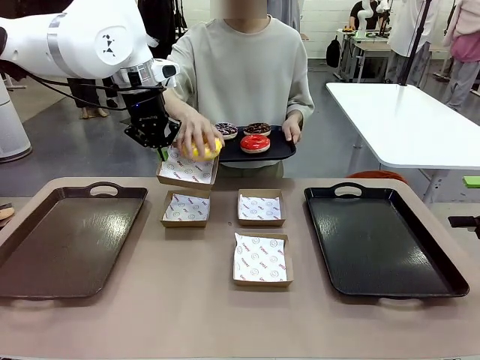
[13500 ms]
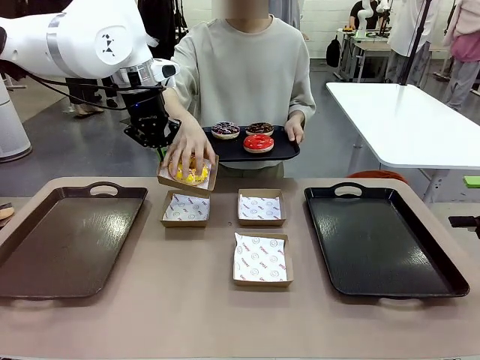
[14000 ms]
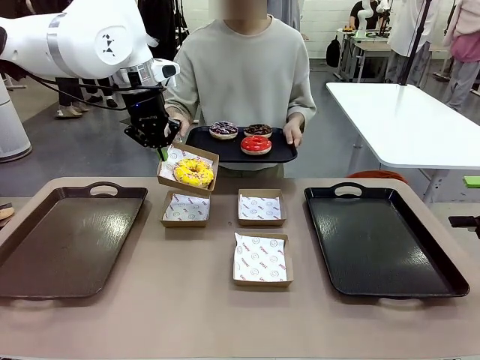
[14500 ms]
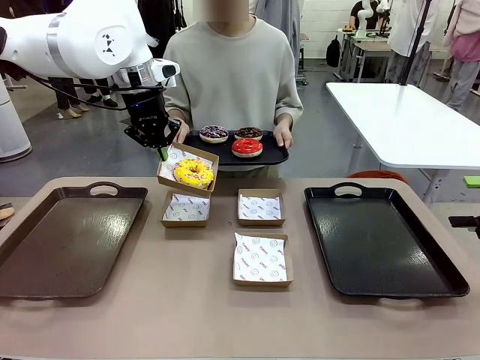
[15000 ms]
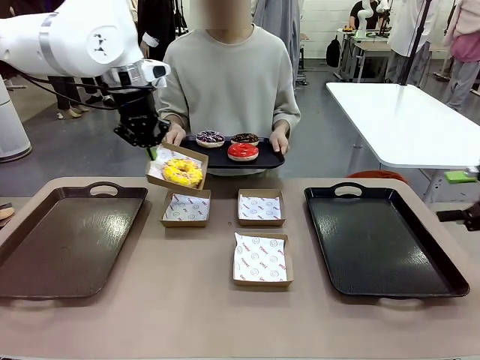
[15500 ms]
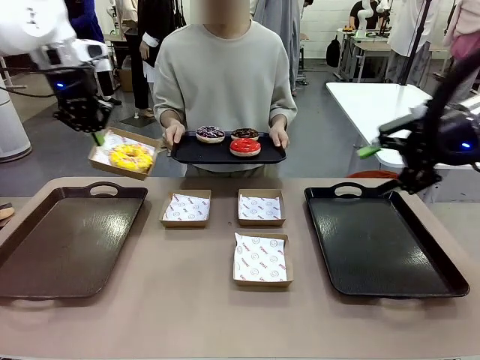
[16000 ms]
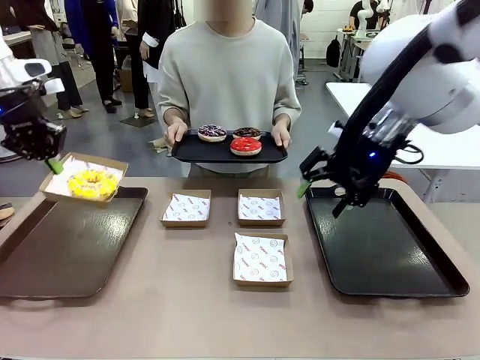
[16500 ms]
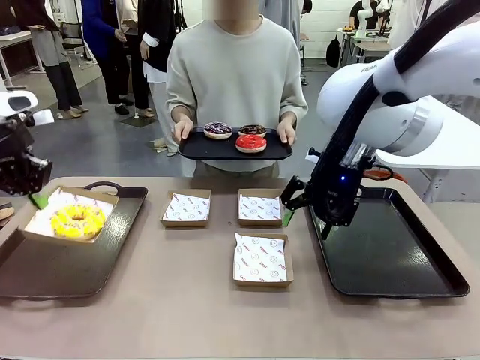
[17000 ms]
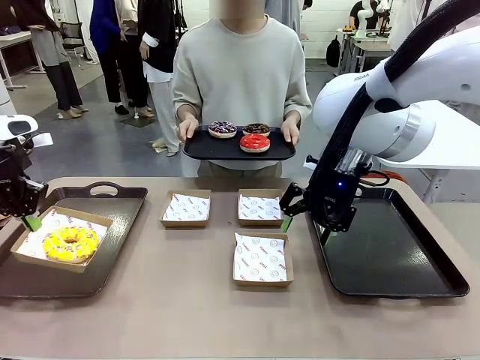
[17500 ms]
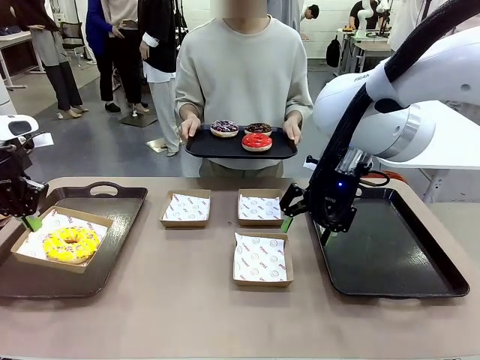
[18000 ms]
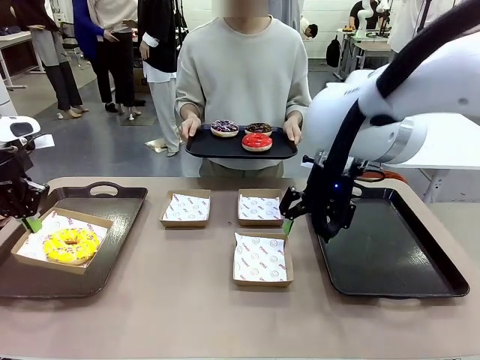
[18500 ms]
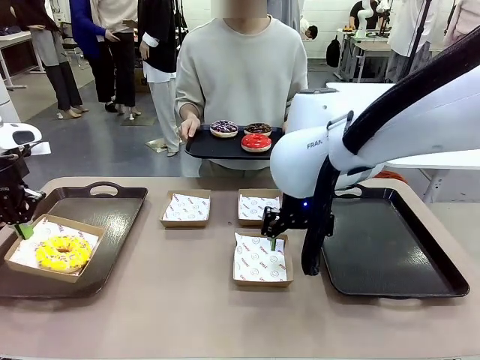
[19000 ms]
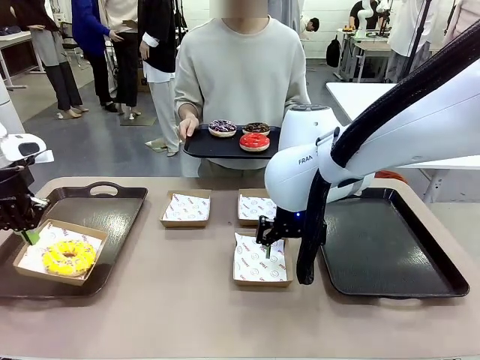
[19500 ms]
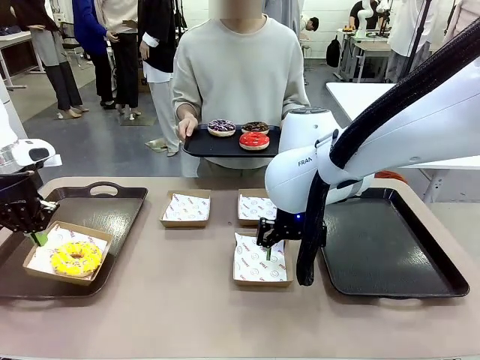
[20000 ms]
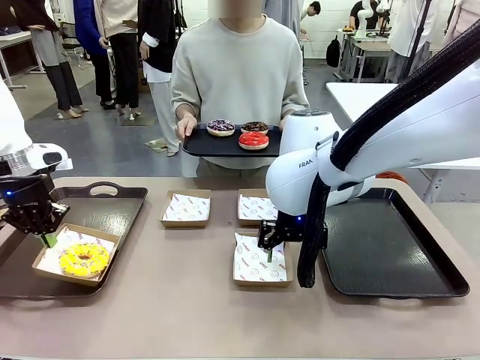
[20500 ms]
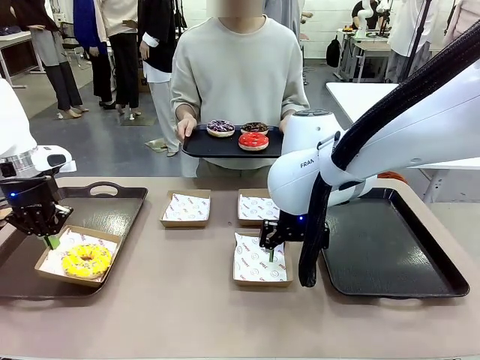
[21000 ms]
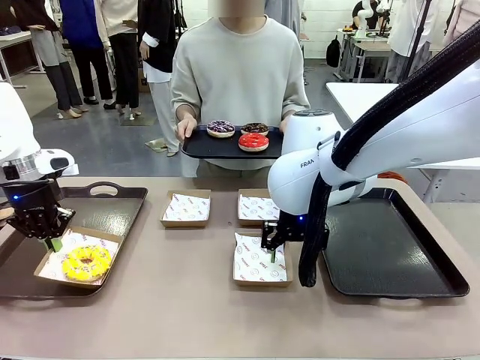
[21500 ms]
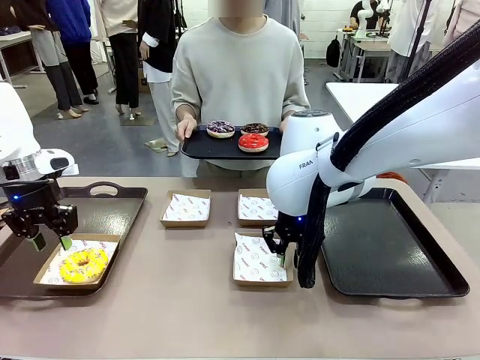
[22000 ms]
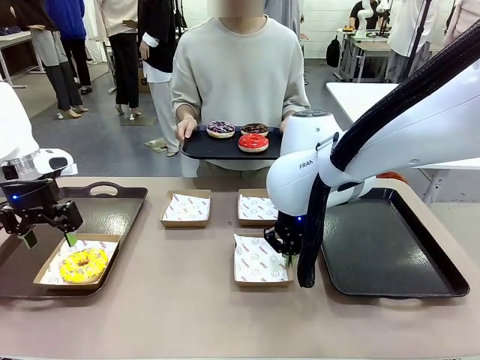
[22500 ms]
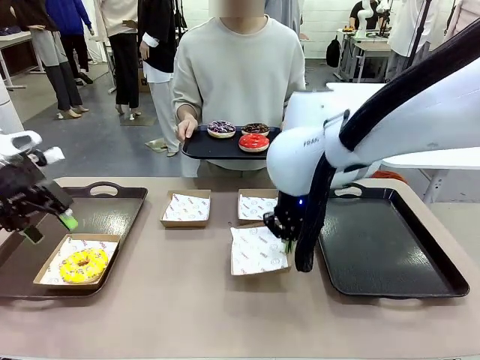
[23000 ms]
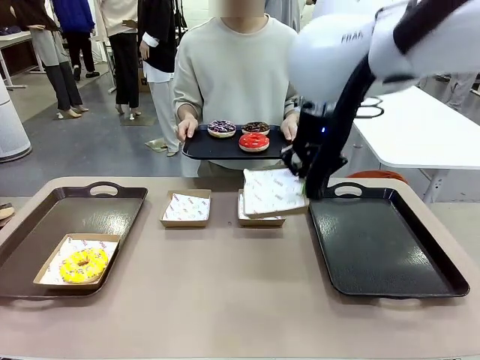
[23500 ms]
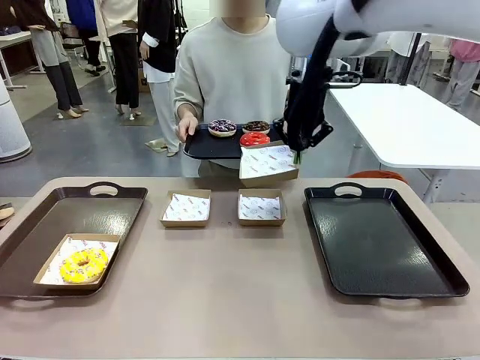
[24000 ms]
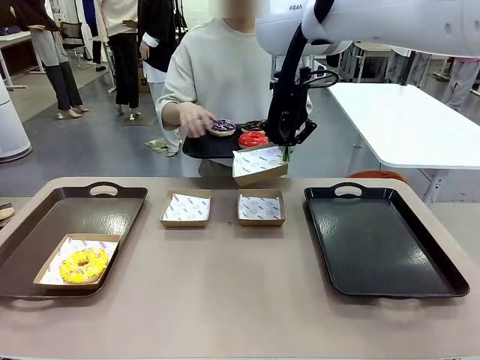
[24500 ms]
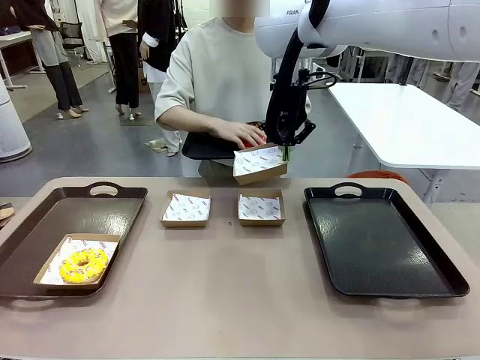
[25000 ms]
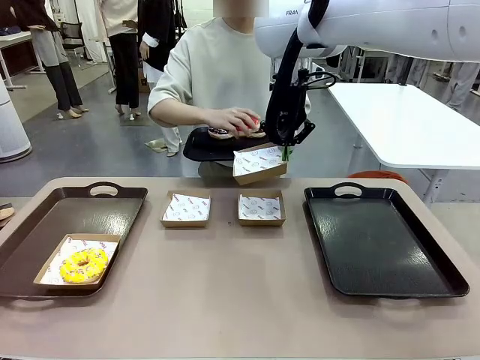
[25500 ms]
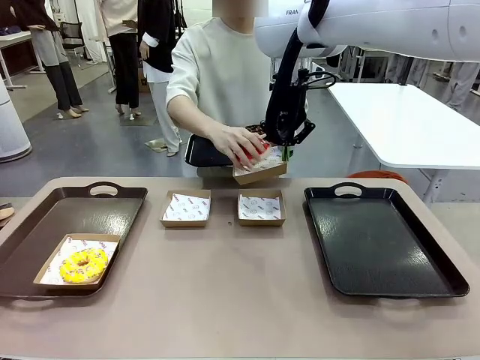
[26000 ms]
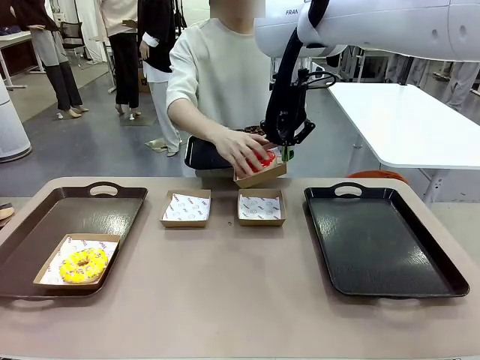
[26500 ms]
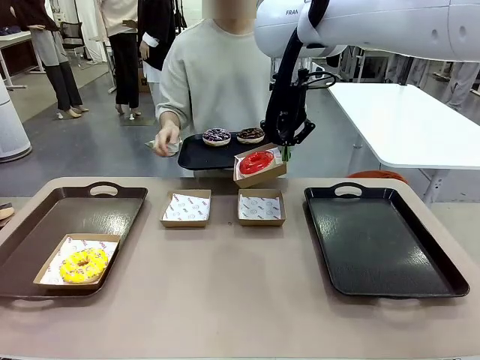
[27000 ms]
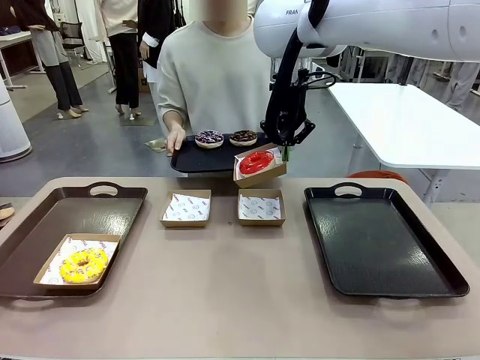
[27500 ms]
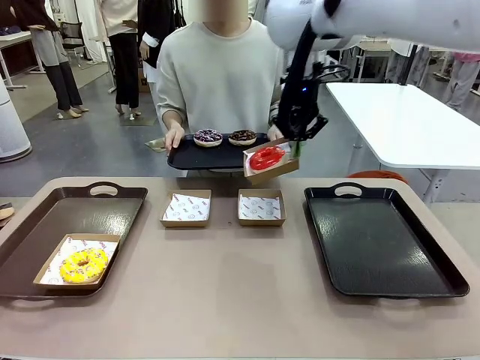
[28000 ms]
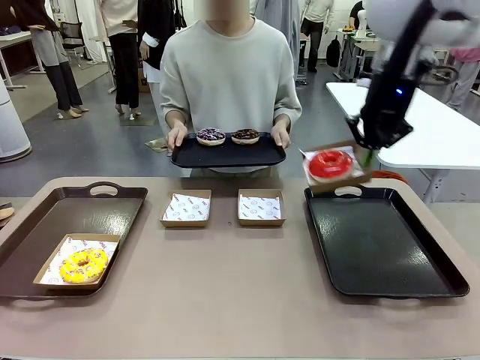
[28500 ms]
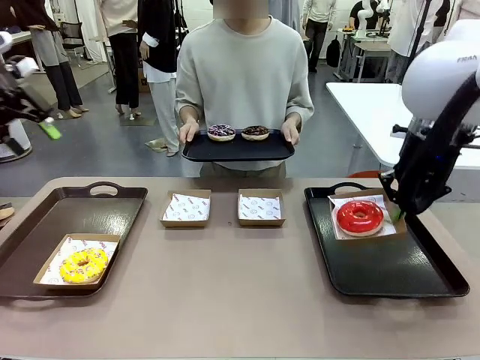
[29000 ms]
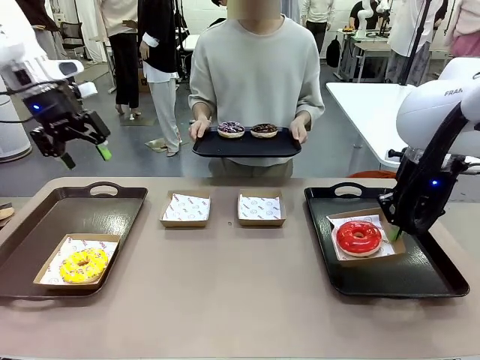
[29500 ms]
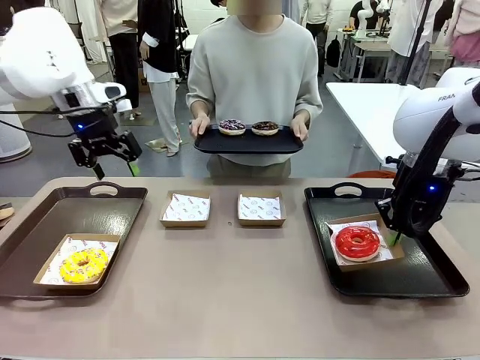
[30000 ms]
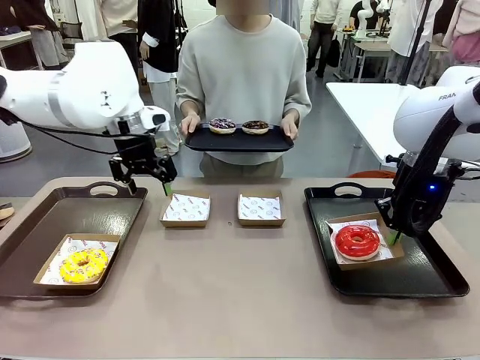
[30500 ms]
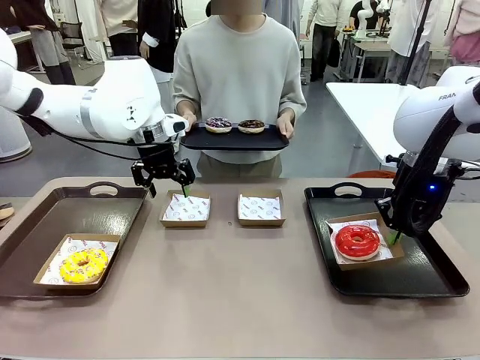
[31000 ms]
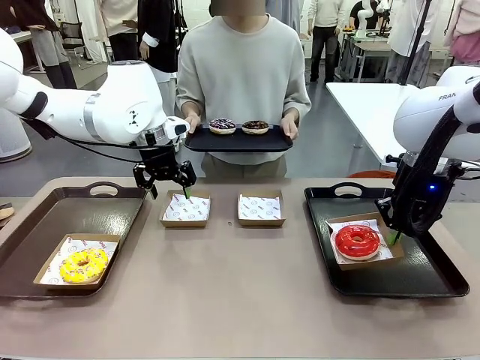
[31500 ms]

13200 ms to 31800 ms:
Task: Individually package the donuts and arrange them on the tray.
Robot: Place the picked Paper togo box on the Handle tray while simultaneously picking up another Paper togo box from the table with the other hand.

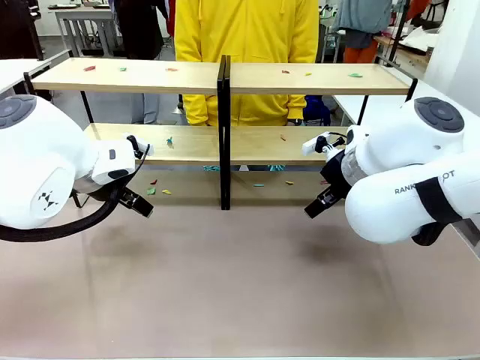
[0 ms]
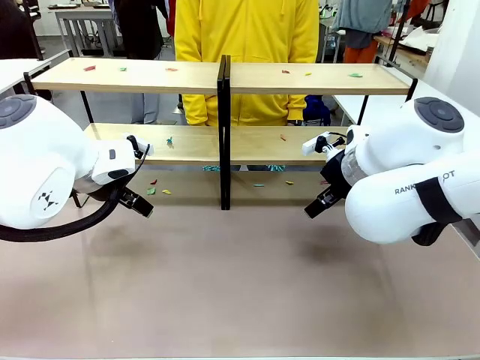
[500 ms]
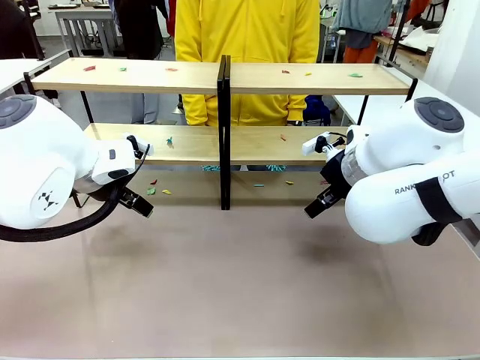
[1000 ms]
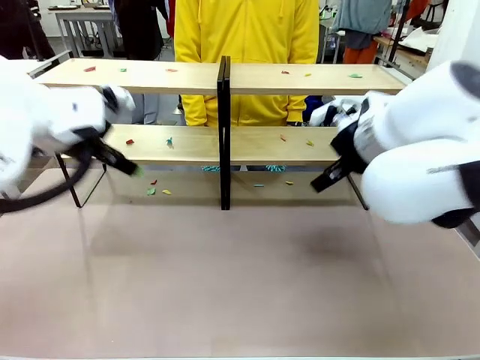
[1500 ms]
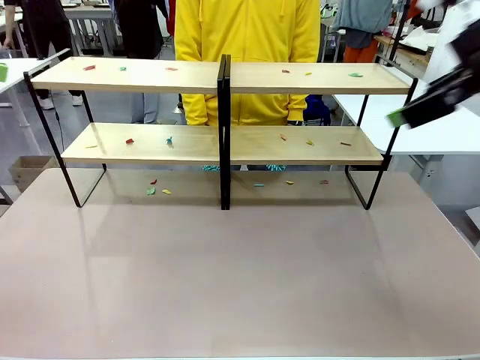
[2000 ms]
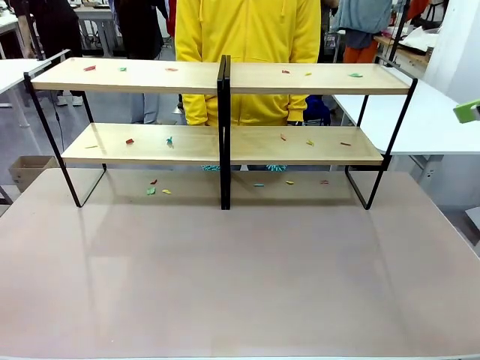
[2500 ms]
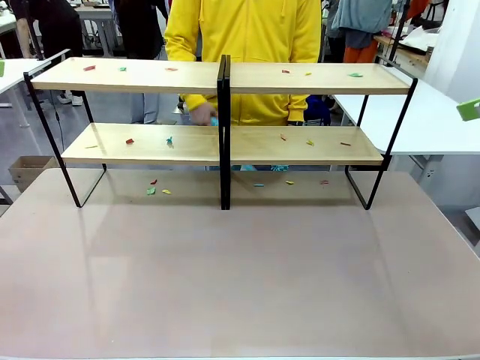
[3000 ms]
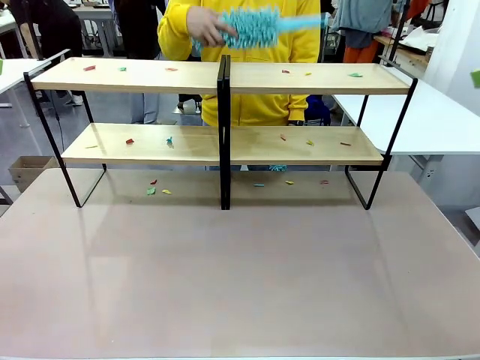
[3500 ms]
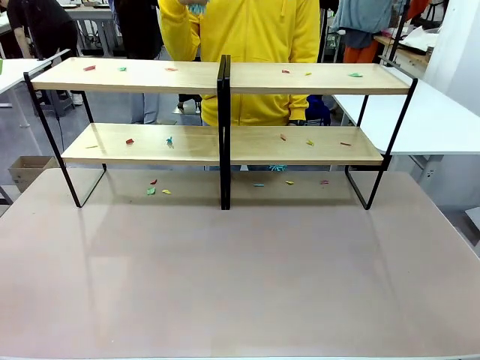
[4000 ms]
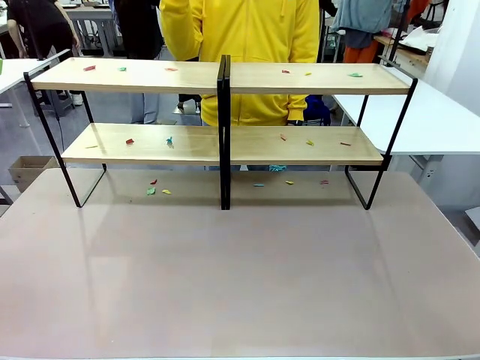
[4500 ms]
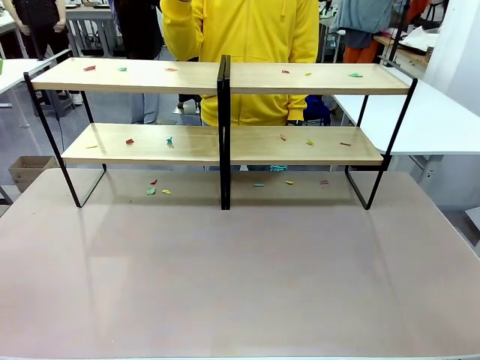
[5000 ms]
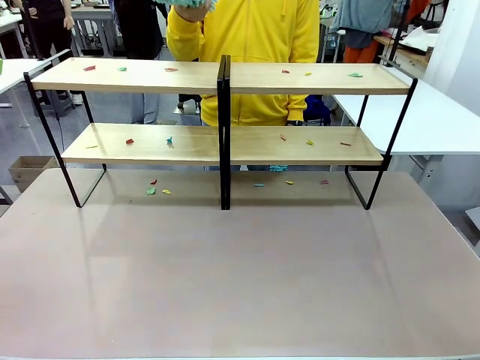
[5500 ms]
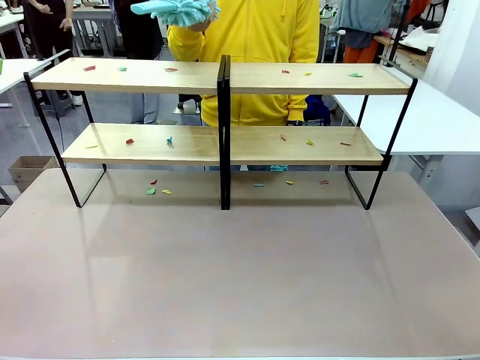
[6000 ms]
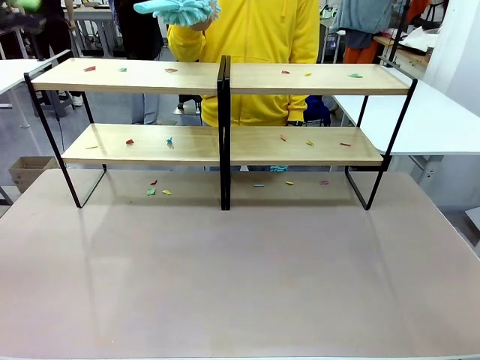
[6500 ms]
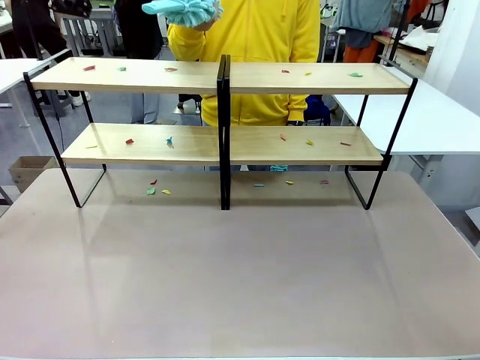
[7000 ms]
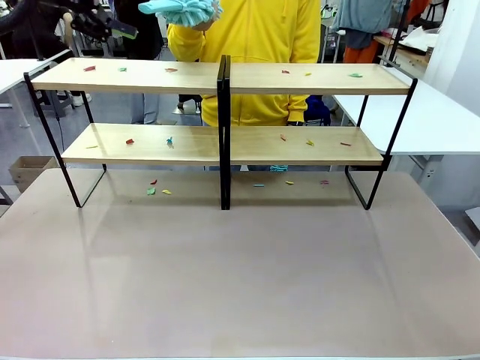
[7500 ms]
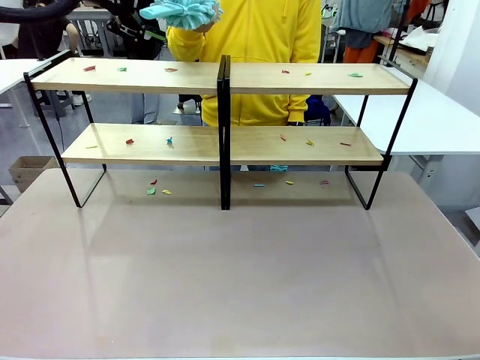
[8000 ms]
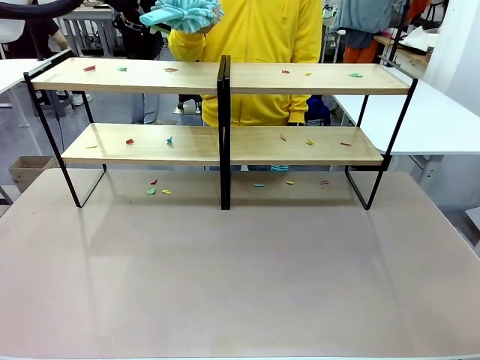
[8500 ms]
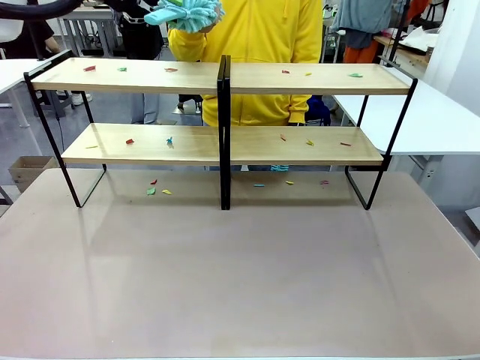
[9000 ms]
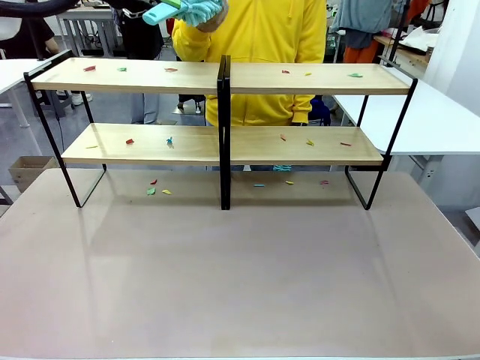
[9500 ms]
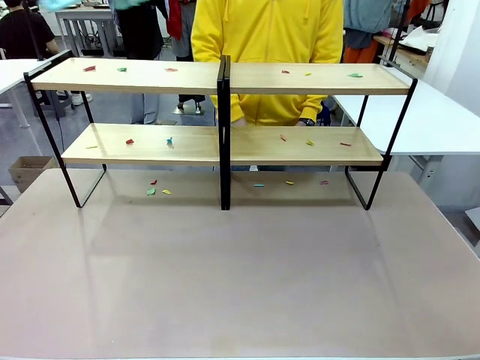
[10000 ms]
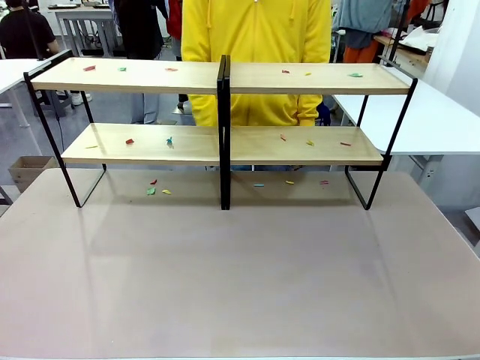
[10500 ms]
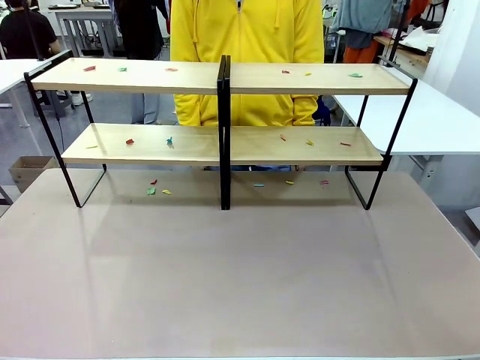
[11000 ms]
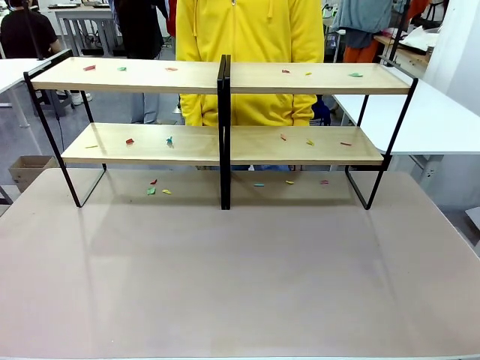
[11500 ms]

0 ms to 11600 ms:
Task: Clean the shelves.
Robot: Pick up the Duster when the human hands it over.
Person: Hand the Duster to the robot with your right (or left) hand.
